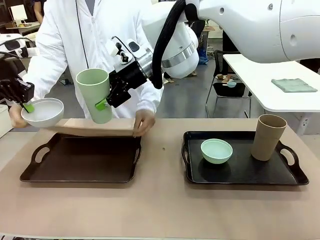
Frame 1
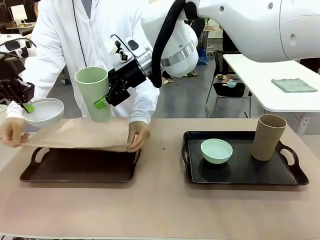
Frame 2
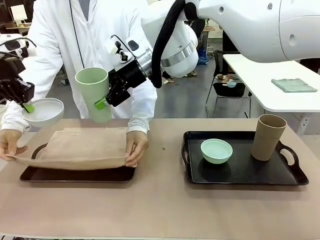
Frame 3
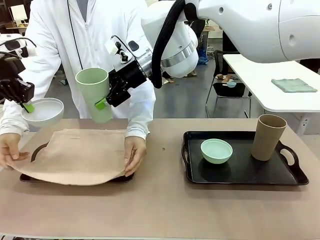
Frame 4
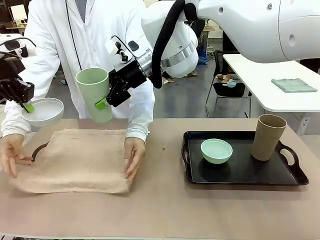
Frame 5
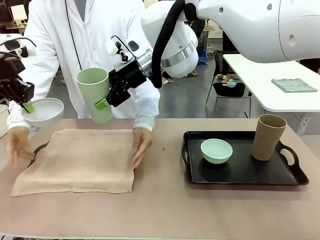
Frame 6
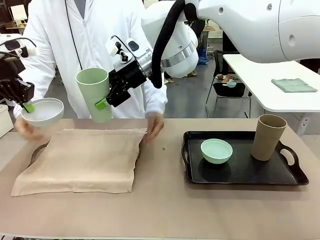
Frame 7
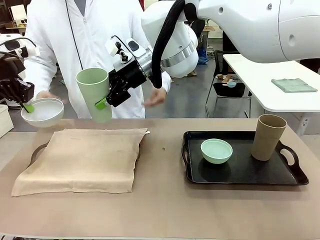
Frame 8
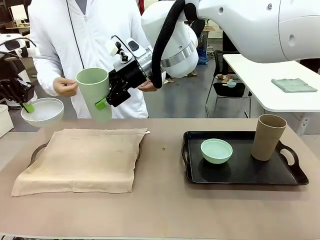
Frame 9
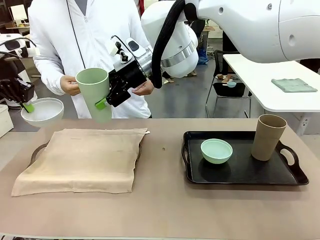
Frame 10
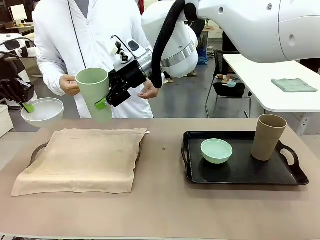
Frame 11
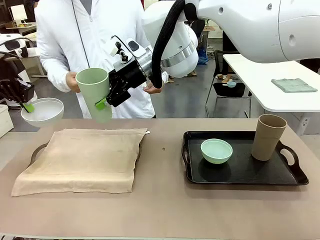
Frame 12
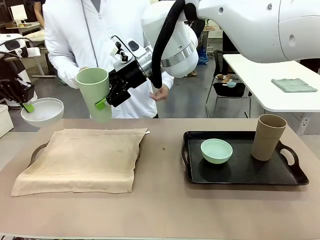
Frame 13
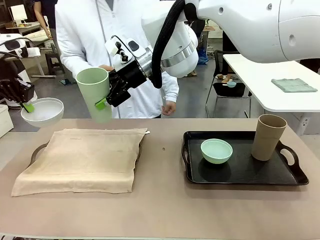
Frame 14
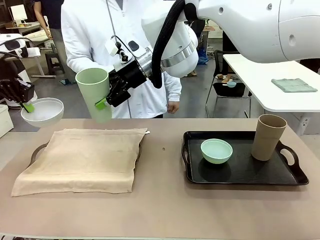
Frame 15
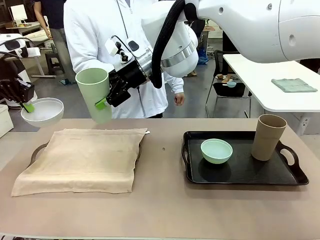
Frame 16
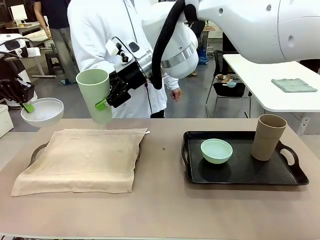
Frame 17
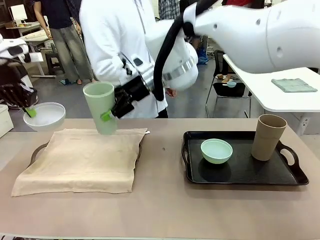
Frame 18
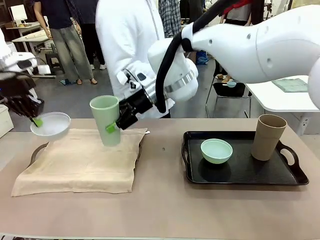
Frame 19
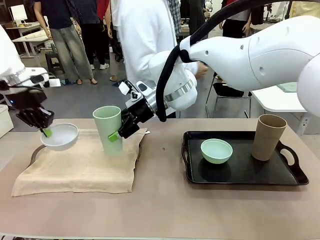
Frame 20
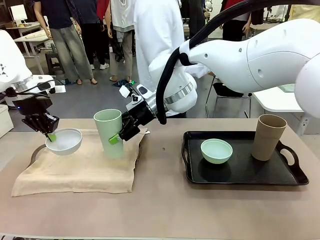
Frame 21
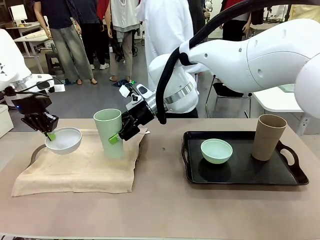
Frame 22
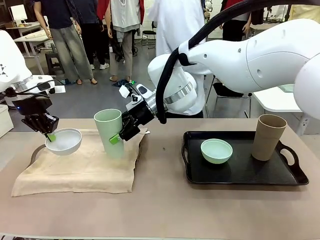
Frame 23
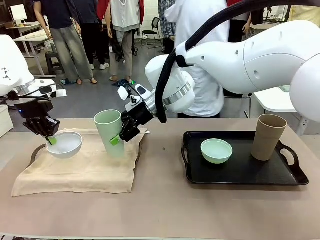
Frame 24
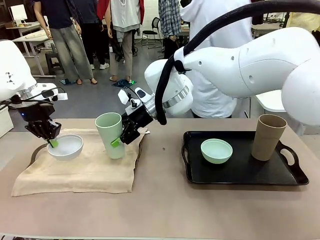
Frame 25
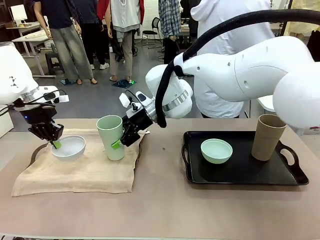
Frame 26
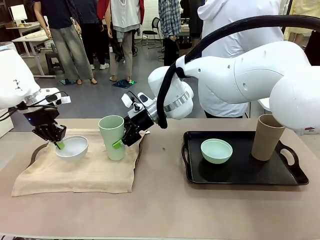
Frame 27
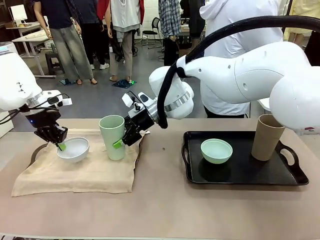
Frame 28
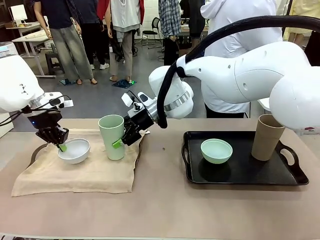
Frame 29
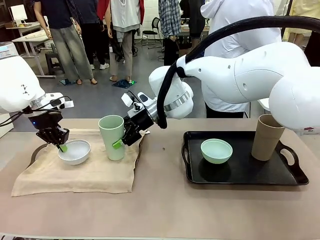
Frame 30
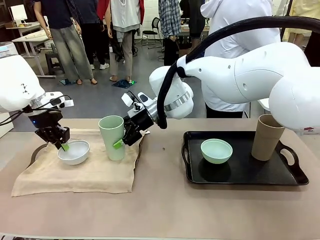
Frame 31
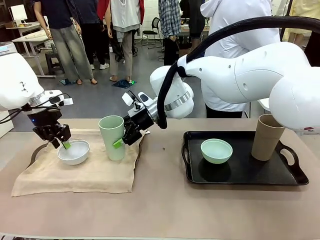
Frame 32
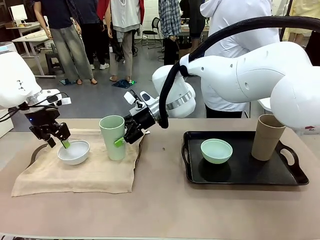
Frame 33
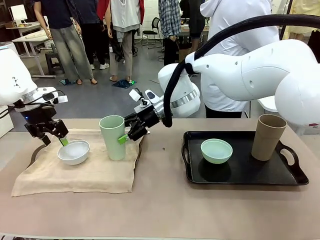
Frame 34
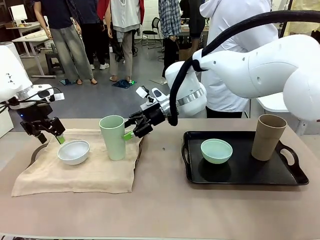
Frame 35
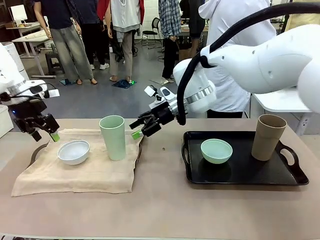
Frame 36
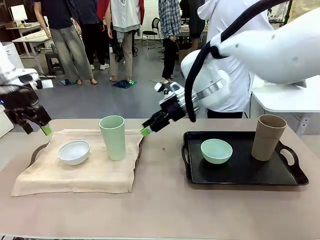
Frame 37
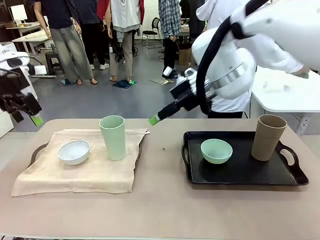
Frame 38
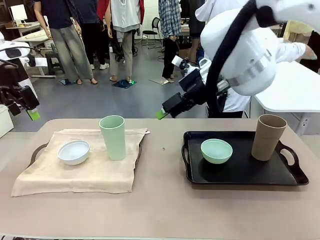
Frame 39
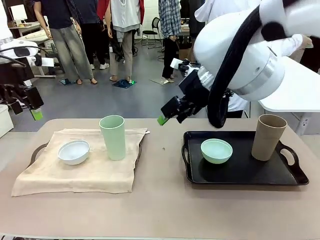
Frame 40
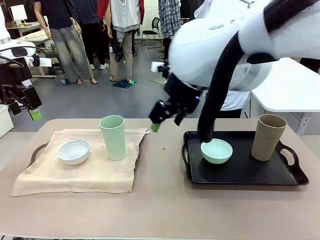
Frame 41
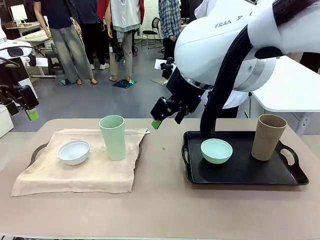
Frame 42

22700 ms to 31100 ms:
Robot: Place the Picnic Bowl and Reusable plastic cup back onto the Handle tray in front of the human's position.
Person: The human returns to the human table to pick up another napkin and walks to the robot table to stand in front of the tray without a napkin.

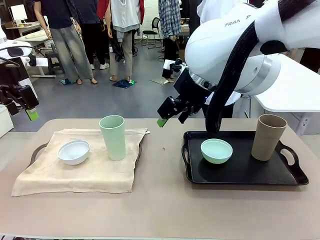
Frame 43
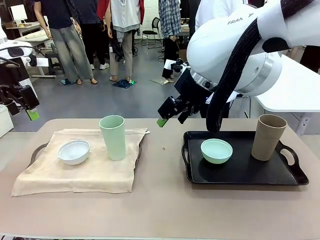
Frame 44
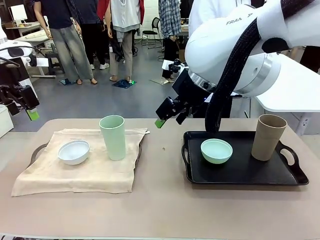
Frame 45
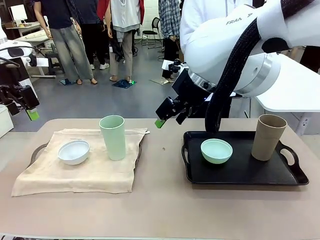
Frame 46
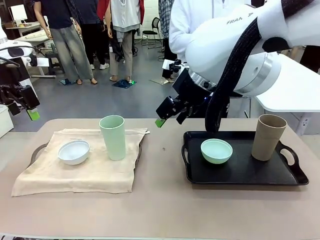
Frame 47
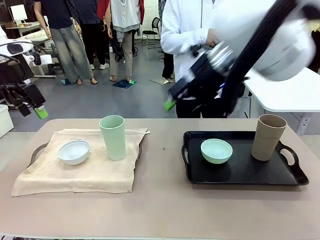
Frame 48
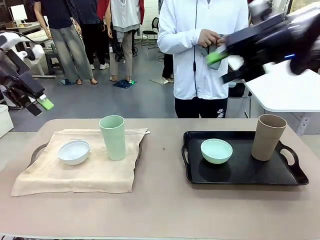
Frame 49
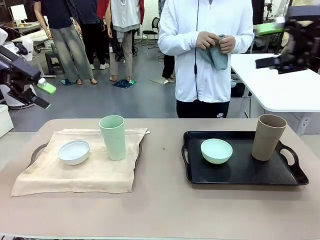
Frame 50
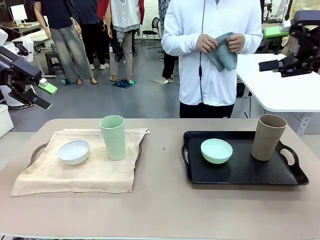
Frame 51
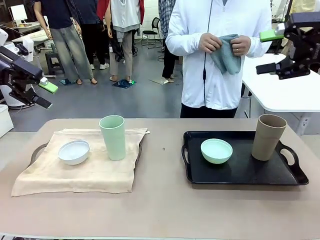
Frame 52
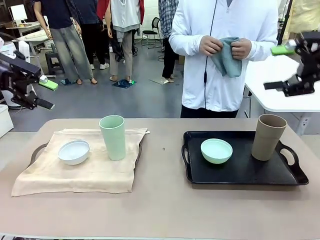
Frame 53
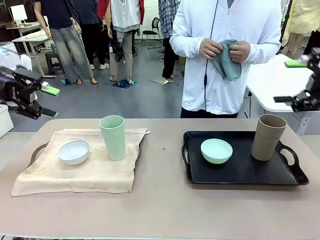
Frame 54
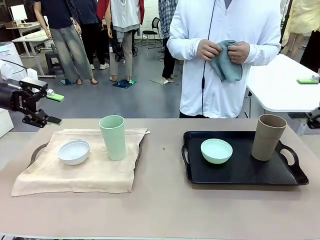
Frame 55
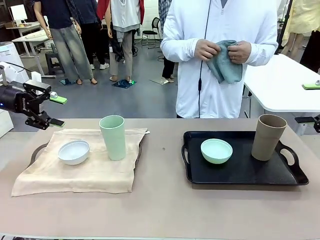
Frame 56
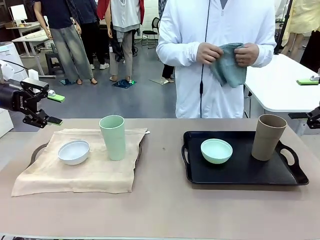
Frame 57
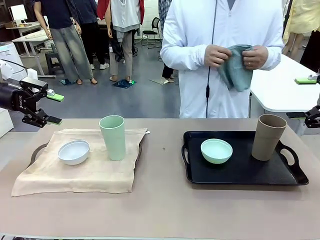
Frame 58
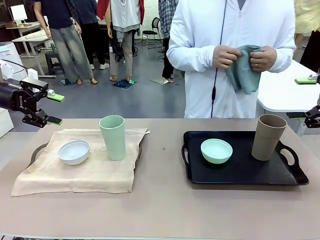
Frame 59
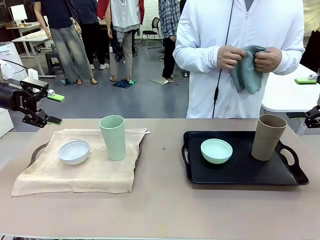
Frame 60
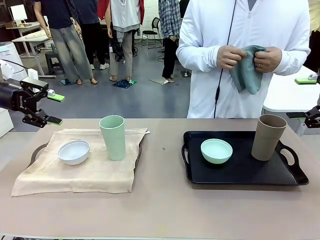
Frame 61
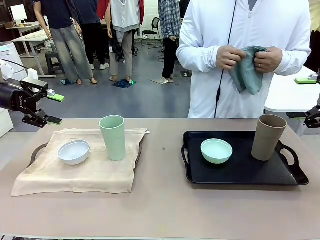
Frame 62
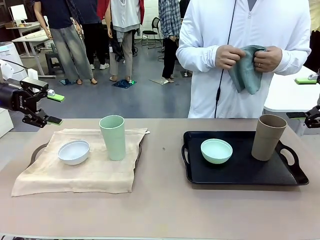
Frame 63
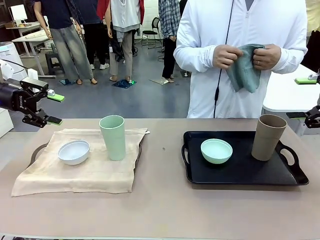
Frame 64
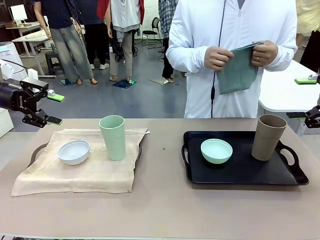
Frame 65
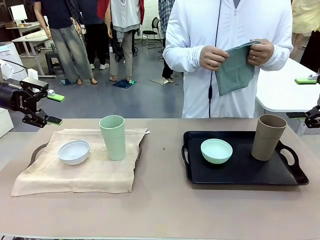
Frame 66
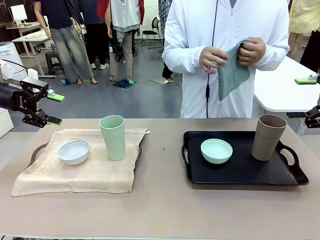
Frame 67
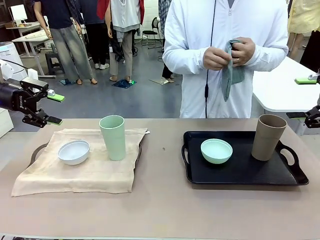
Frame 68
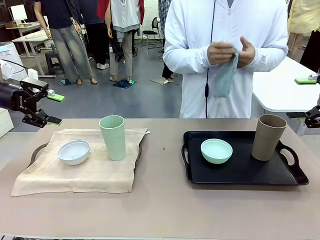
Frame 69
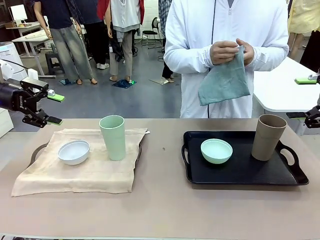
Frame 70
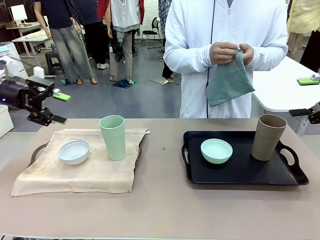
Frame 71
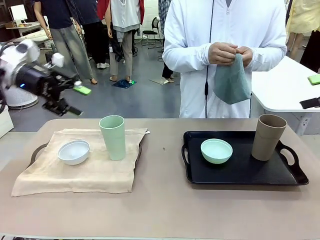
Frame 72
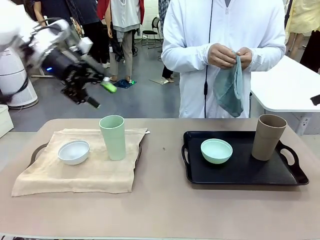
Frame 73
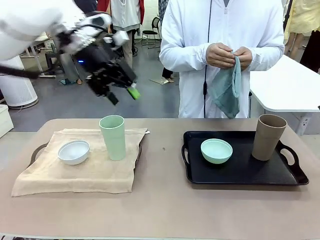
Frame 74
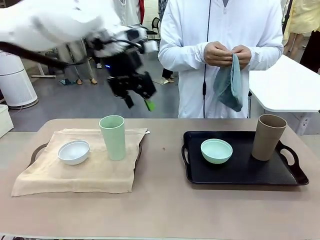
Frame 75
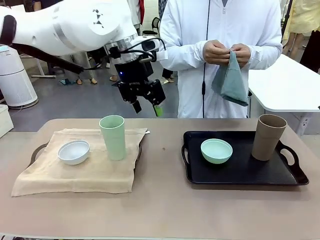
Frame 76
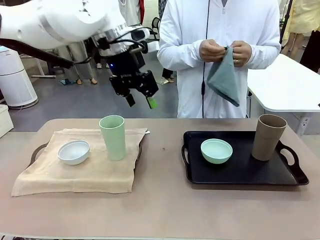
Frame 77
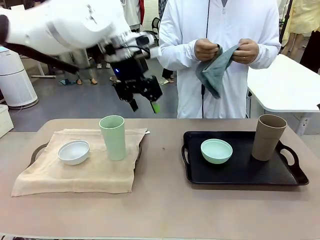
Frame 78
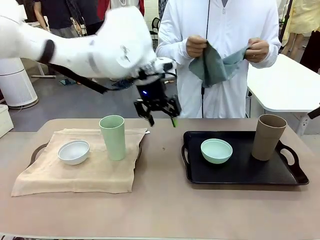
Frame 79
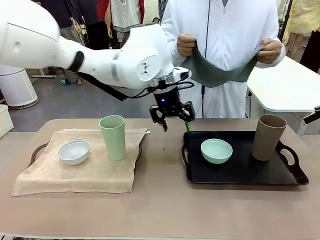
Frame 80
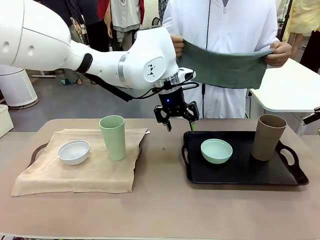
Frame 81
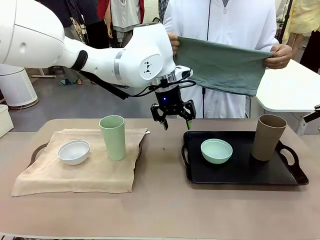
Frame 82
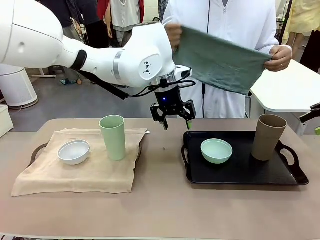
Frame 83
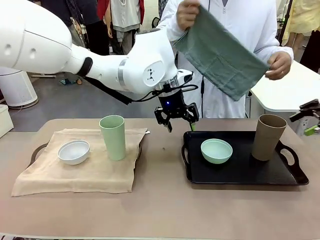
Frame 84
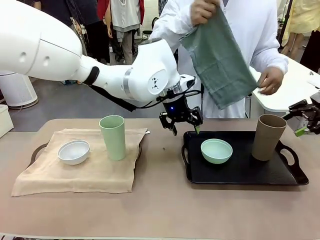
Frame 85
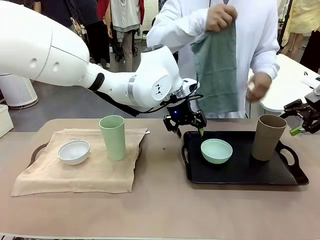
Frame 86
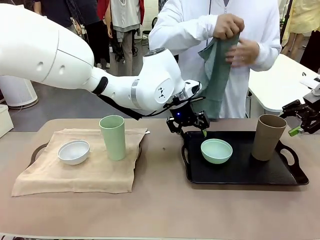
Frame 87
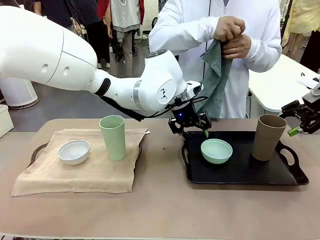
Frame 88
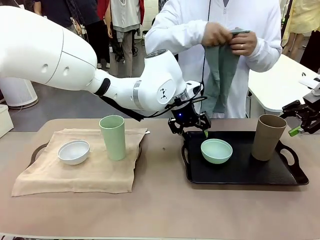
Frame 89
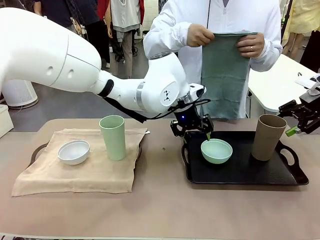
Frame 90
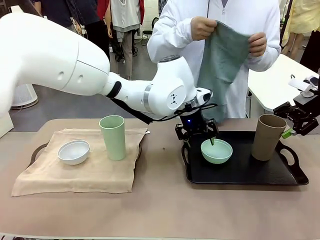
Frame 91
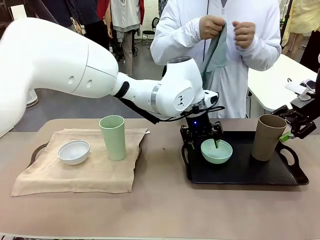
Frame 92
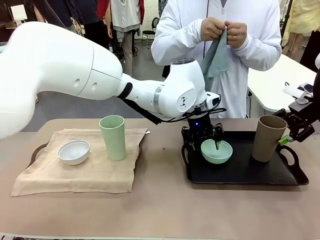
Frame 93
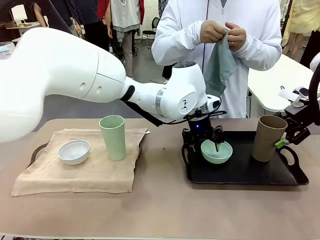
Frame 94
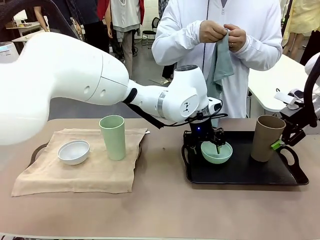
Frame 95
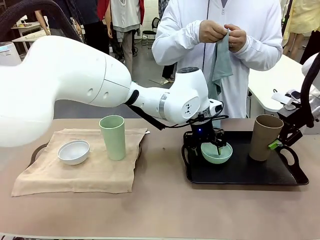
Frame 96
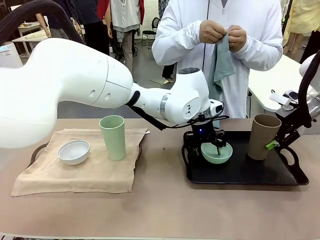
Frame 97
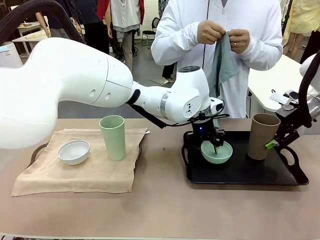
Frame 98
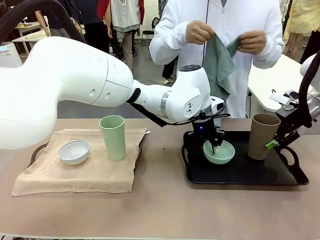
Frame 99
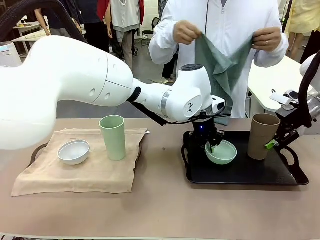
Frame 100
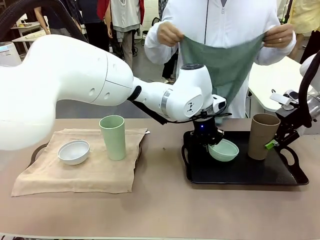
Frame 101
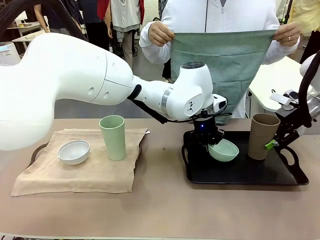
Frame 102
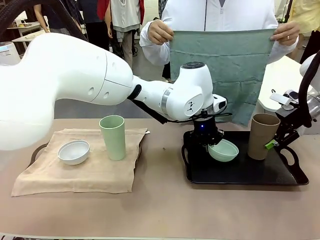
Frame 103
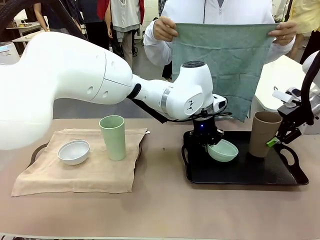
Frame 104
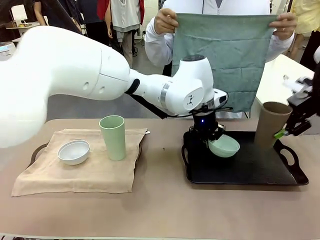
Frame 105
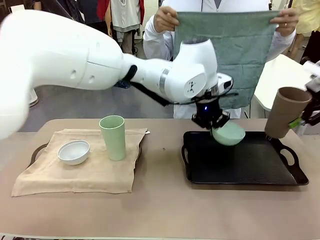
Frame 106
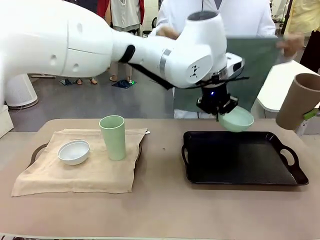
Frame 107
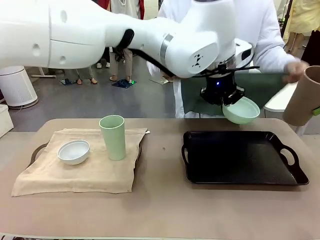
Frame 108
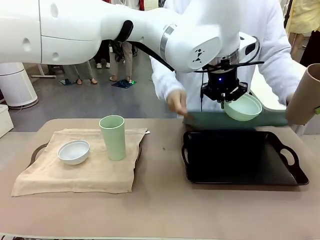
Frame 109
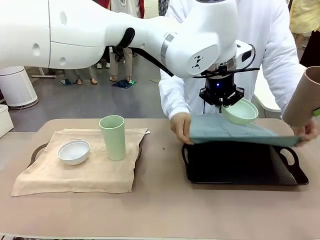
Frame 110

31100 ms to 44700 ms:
Robot: Pick up the Picnic Bowl and Reusable plastic cup from the Handle tray in front of the human's position and hold them in the air.
Person: When the robot lifts the bowl and the cup, the human unfolds the napkin and lays the napkin flat on the tray.
